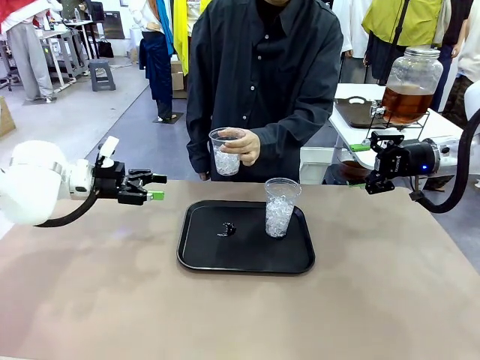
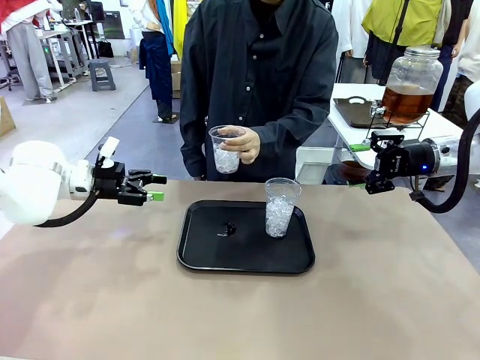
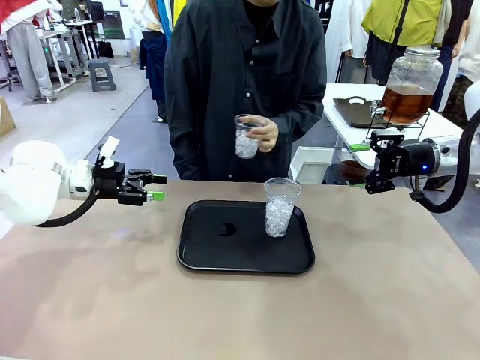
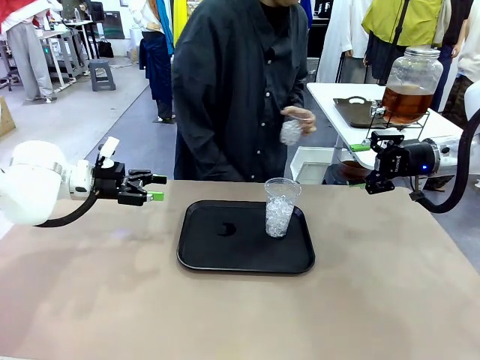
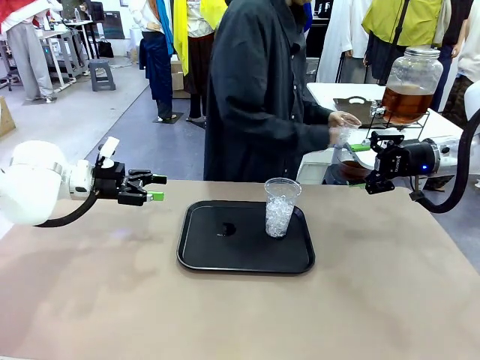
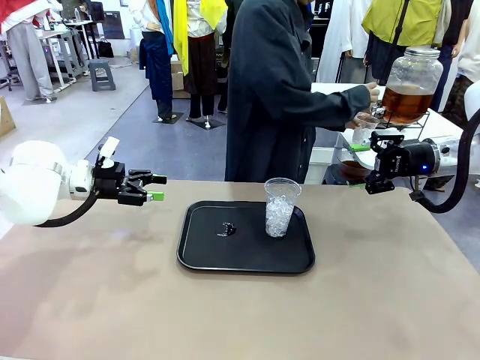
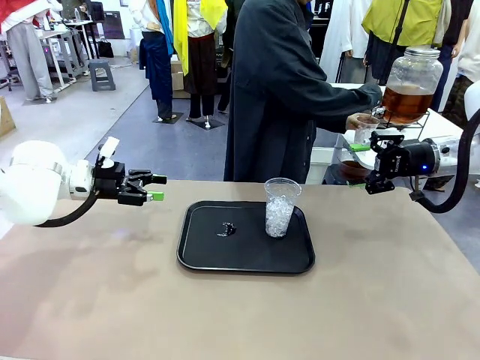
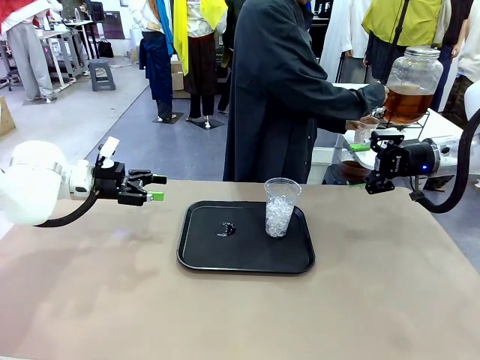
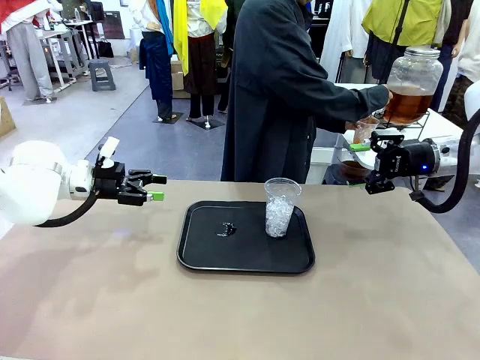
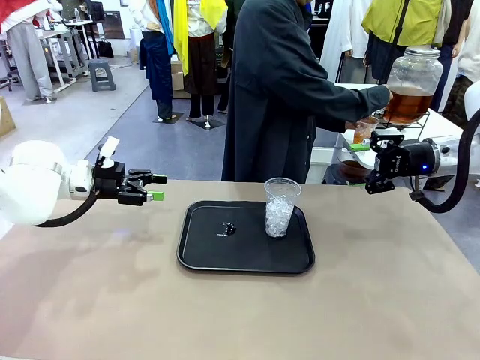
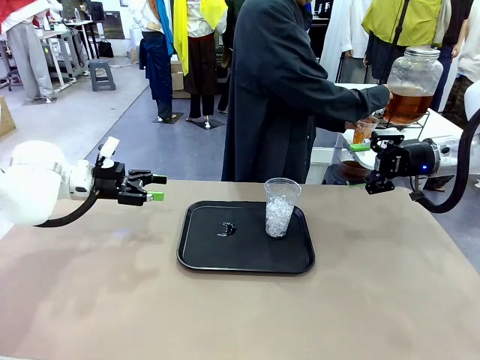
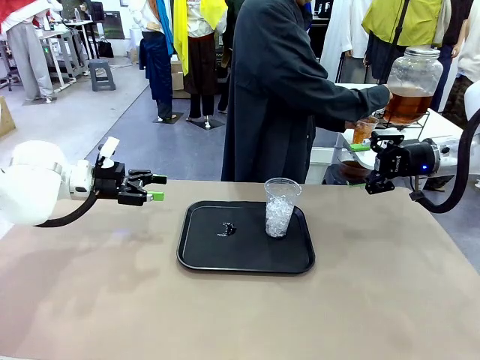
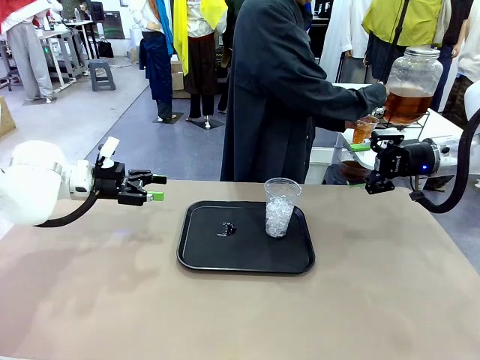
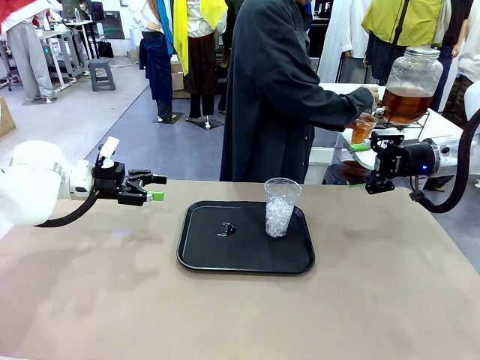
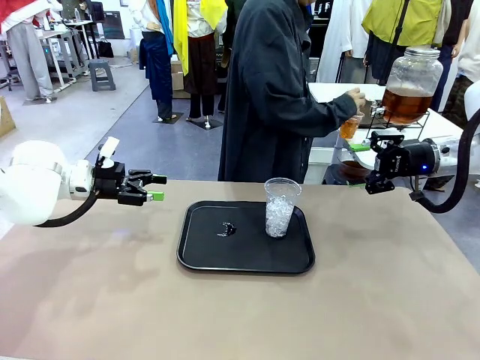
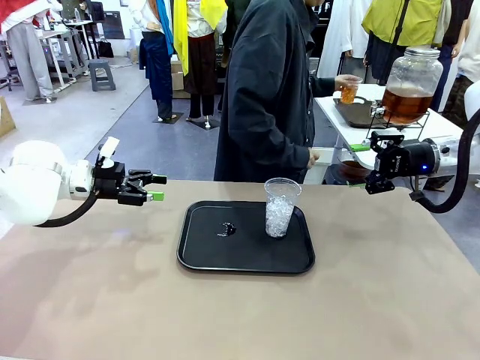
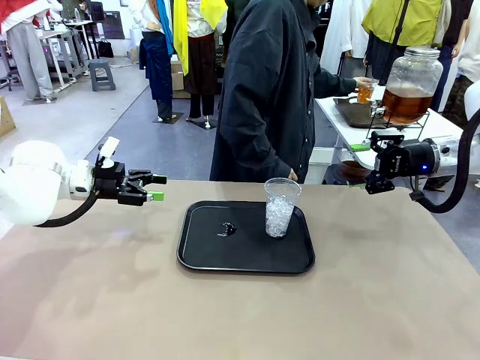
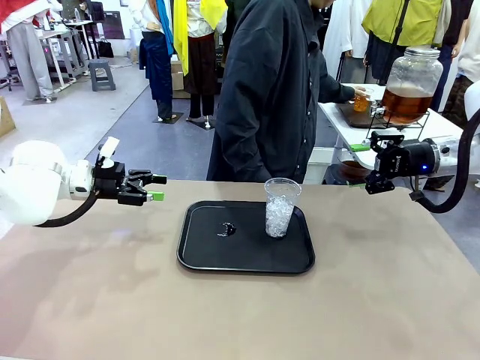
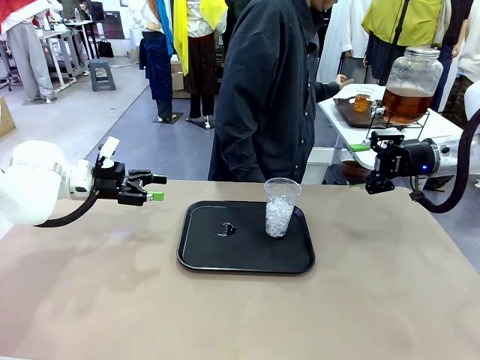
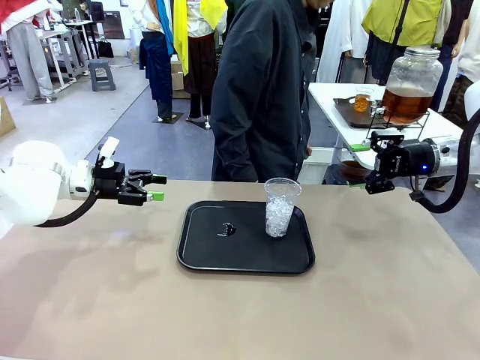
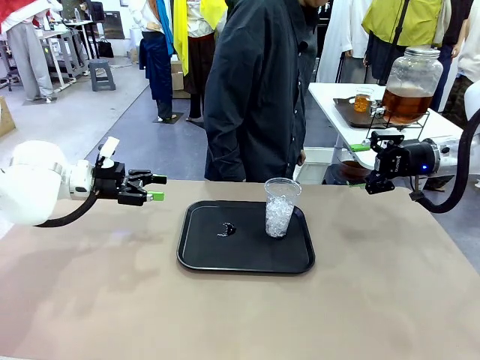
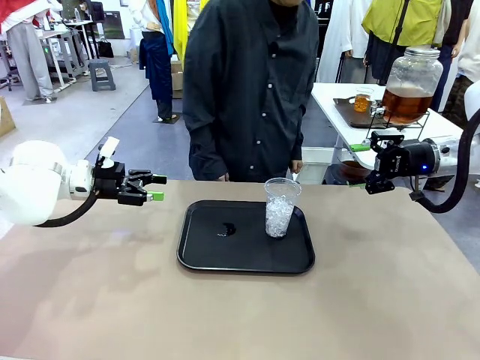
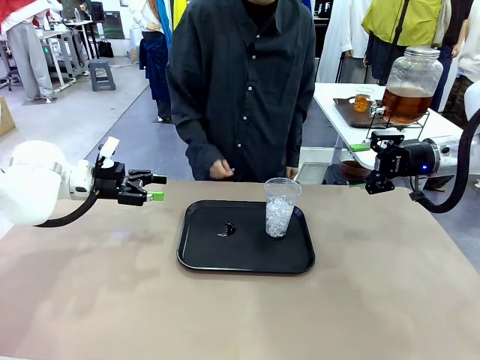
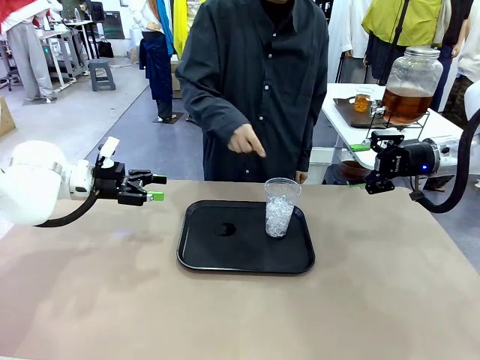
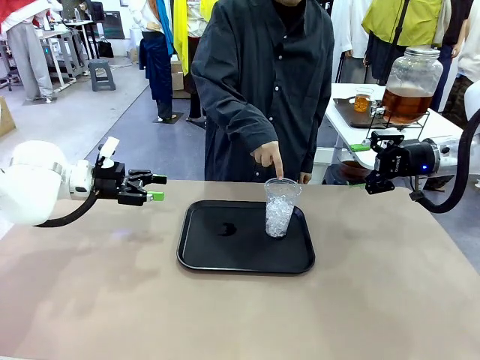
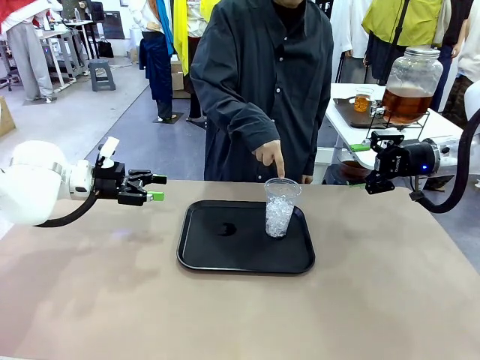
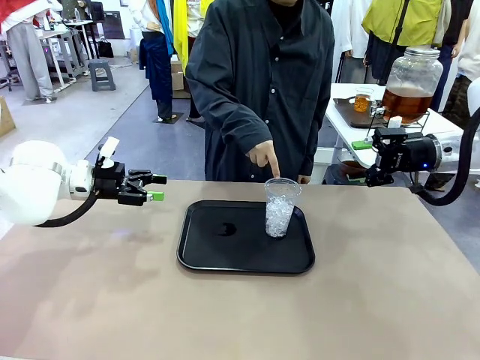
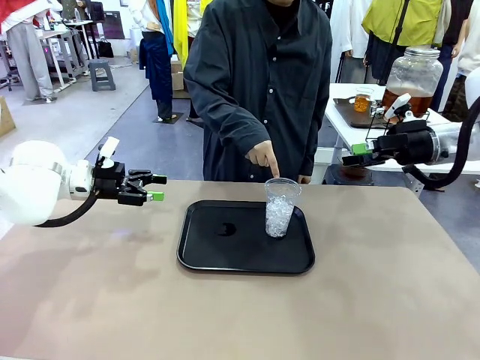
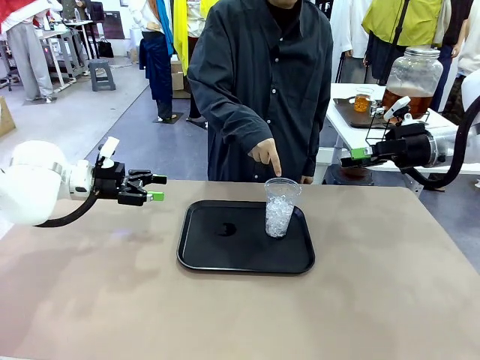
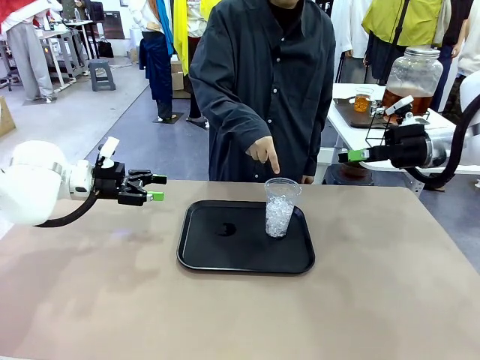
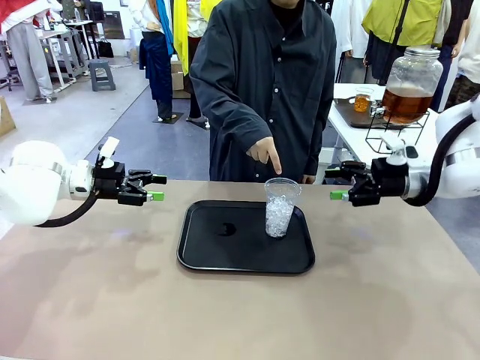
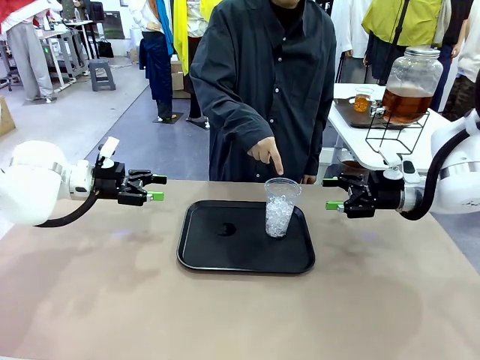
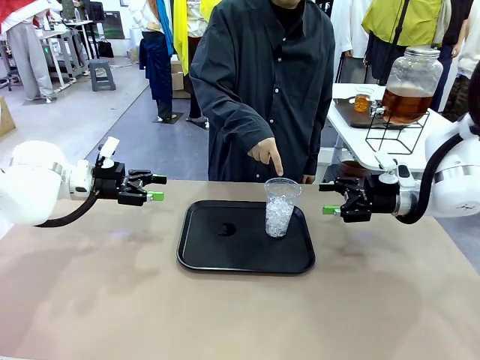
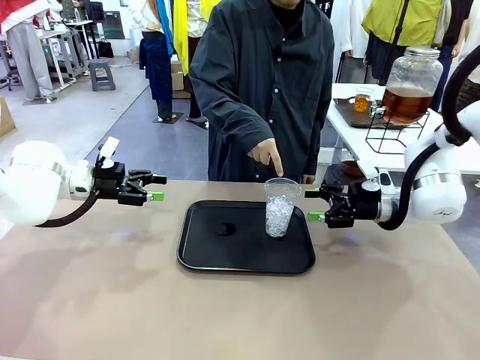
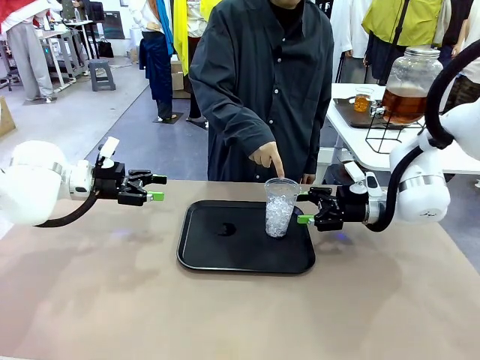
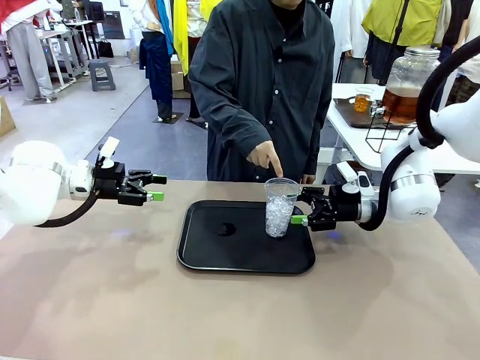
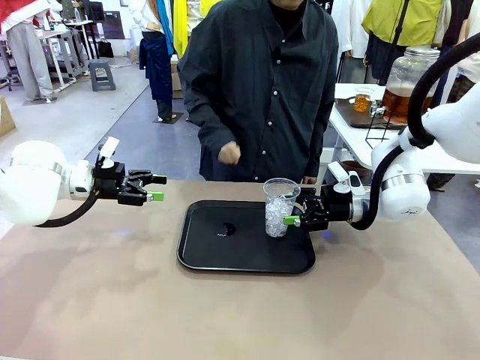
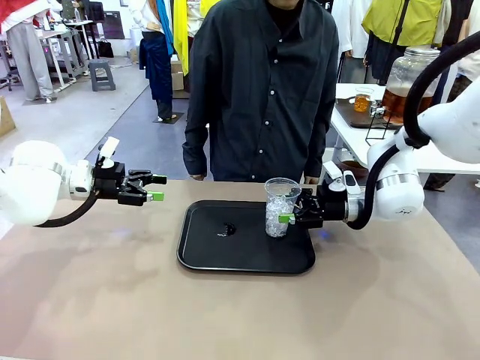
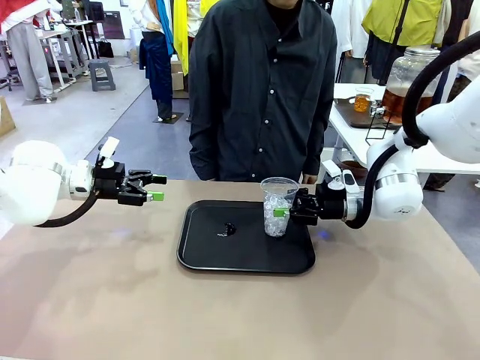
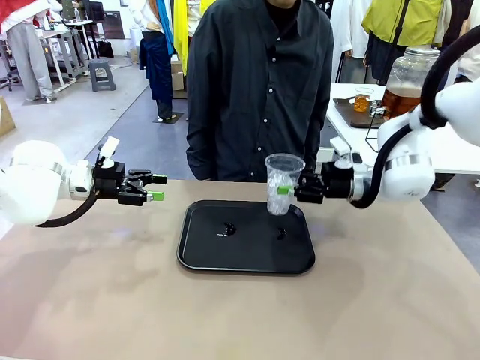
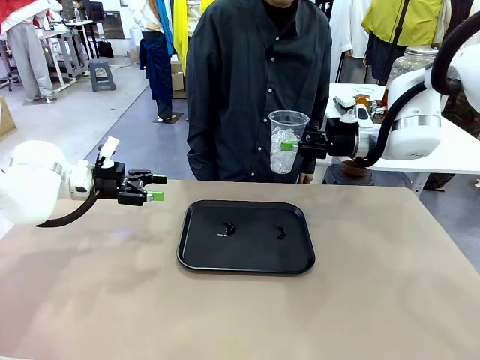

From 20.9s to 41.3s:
Task: Pour the drink into the iced cup.
Robot: Pick up the iced cup indicated by the human and present it to them.
Person: Move the picked-up cup under the dispenser faucet, pour the drink, and place it on the tray on the human table. Point to the remaining ice cup on the robot table. Pick up the cup offered by the robot.

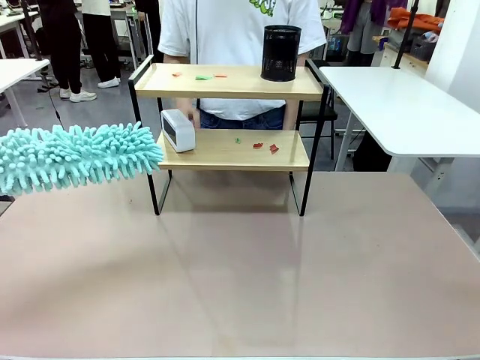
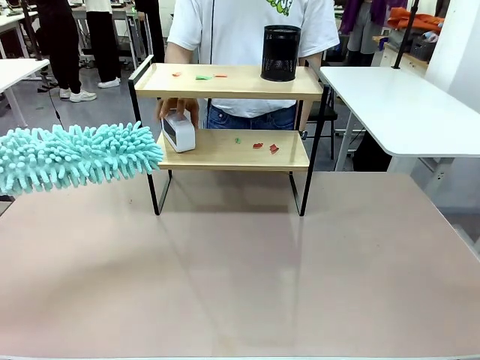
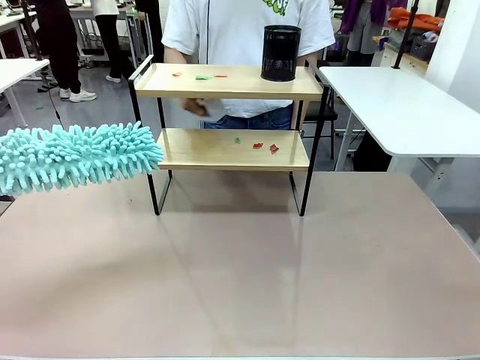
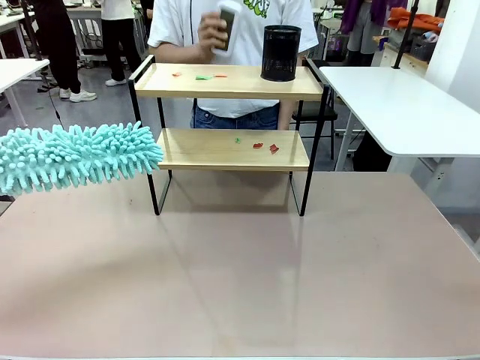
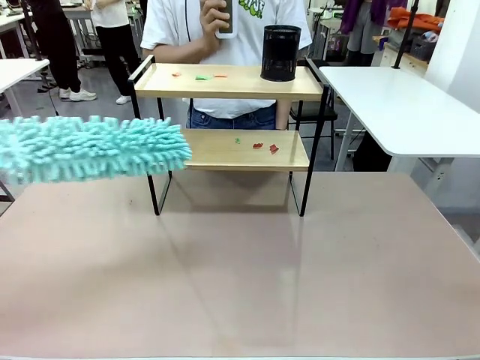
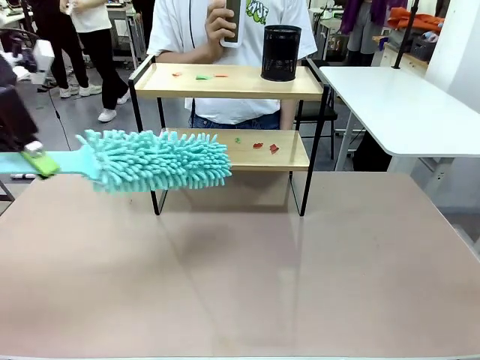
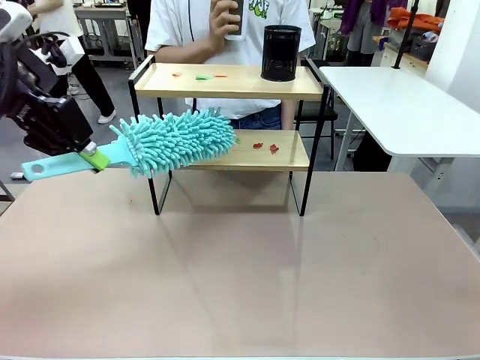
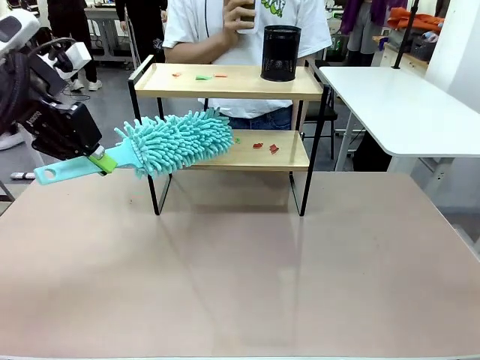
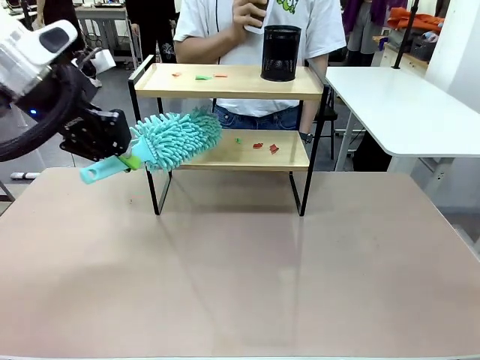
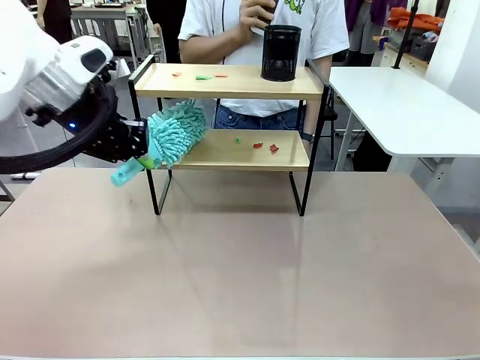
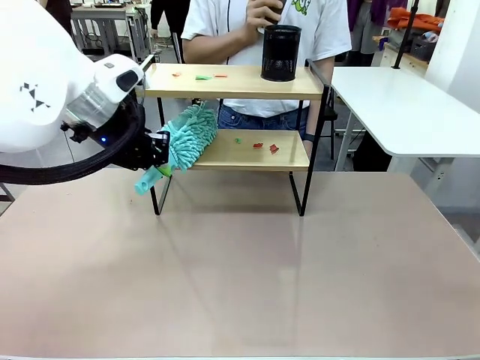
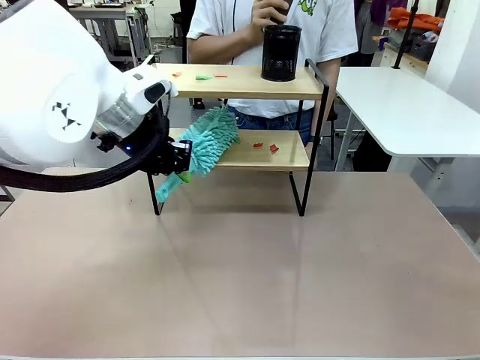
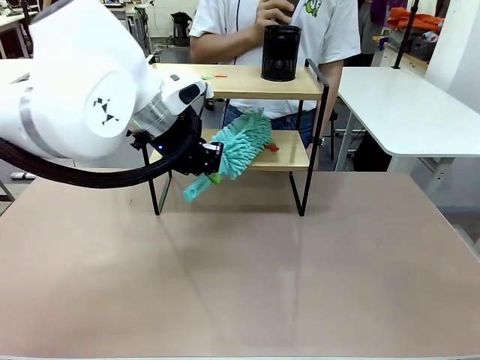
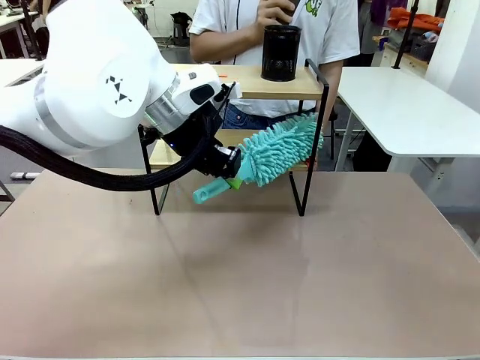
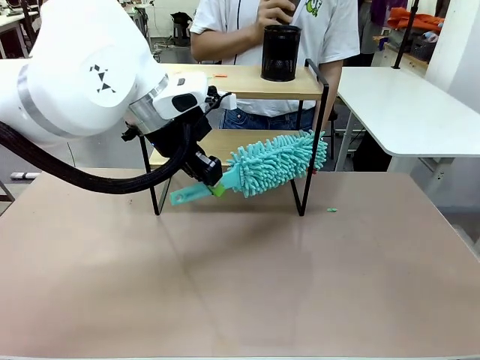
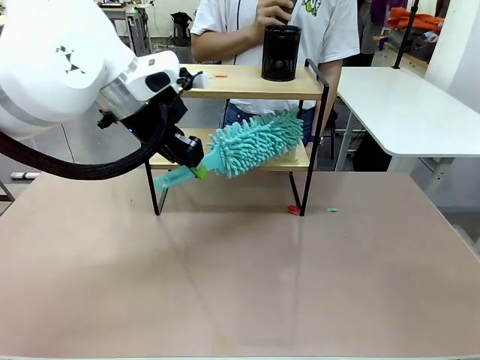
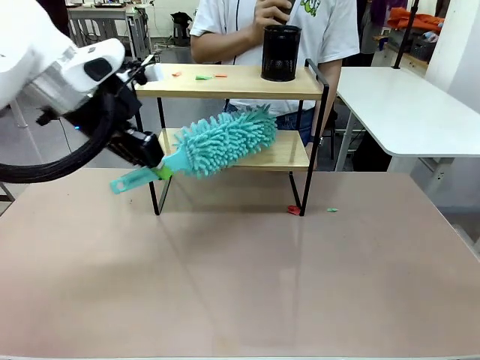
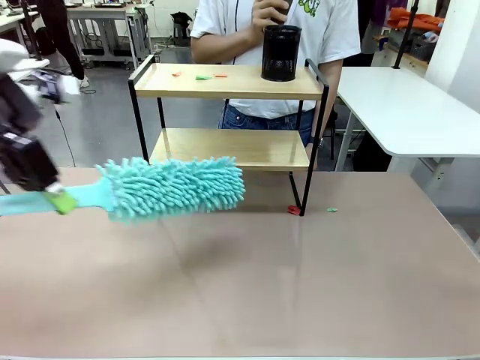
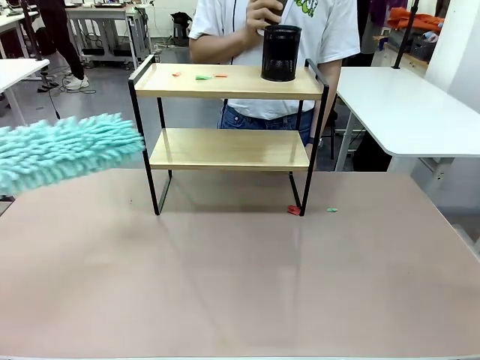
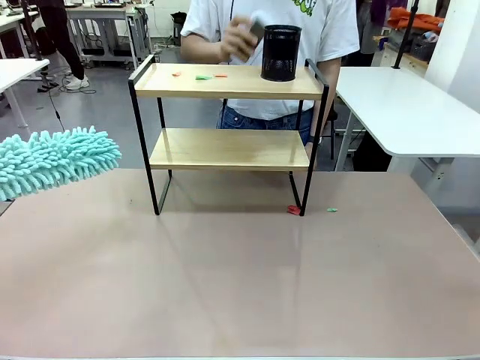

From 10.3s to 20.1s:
Task: Clean the shelf.
Robot: Clean the specific tier of the Shelf with the Duster once objects are removed.
Person: Lift the objects on a randomly selected tier of the Shelf. Once the robot finishes cleaning, lift the objects on the remaining tiers of the Shelf.
